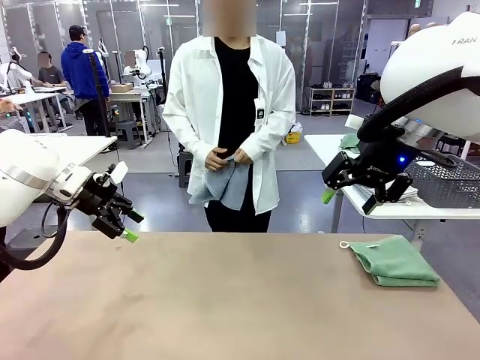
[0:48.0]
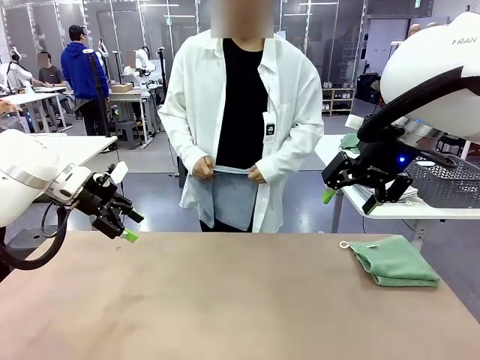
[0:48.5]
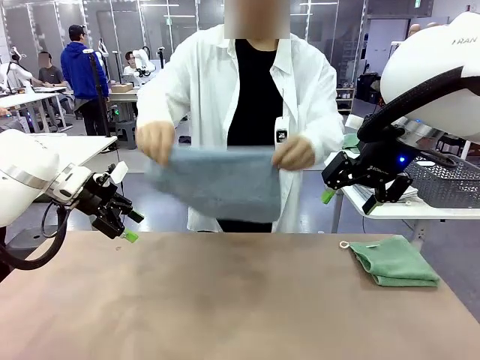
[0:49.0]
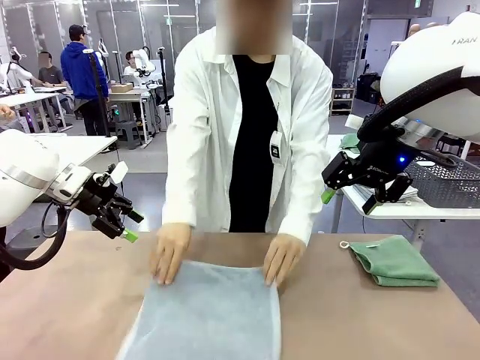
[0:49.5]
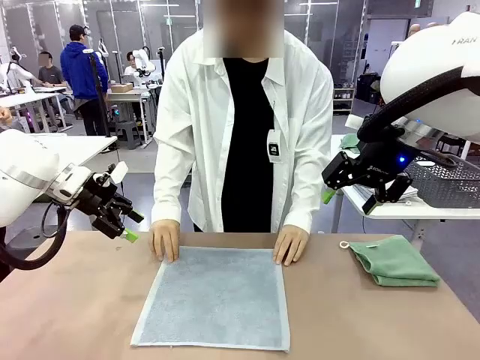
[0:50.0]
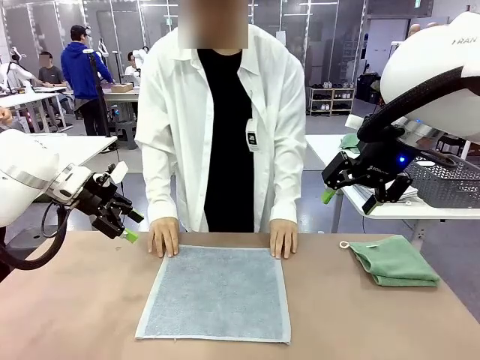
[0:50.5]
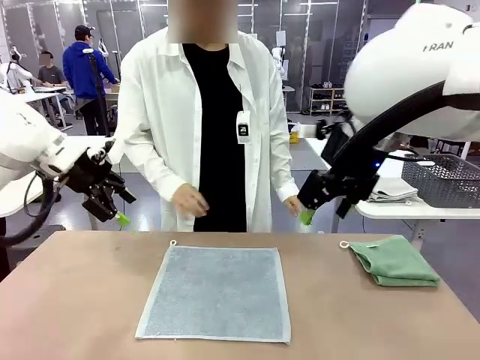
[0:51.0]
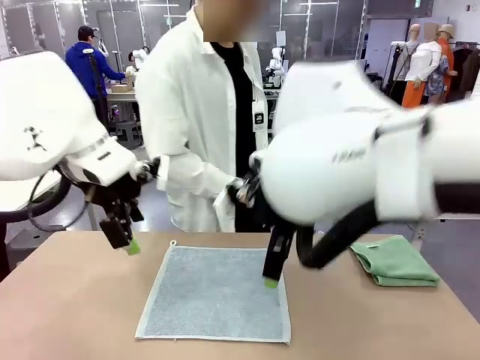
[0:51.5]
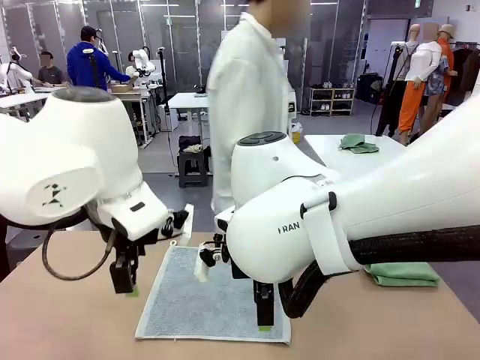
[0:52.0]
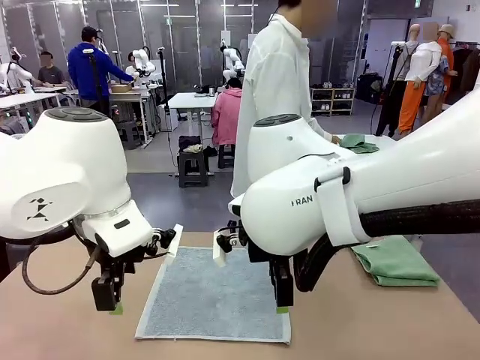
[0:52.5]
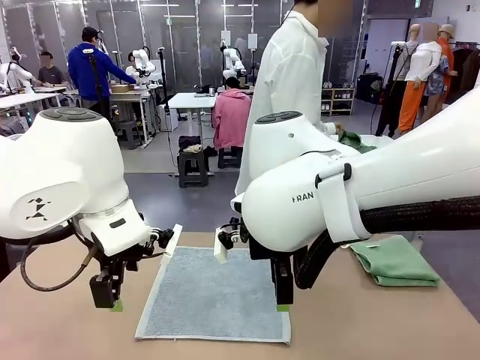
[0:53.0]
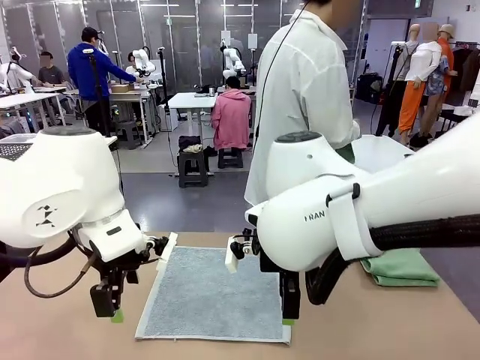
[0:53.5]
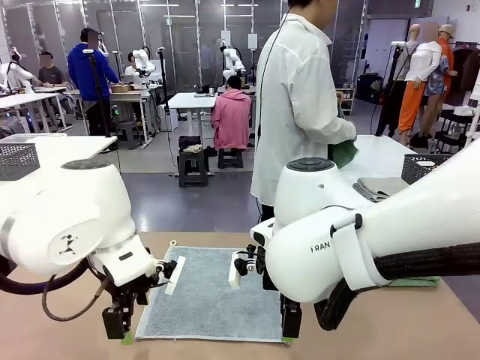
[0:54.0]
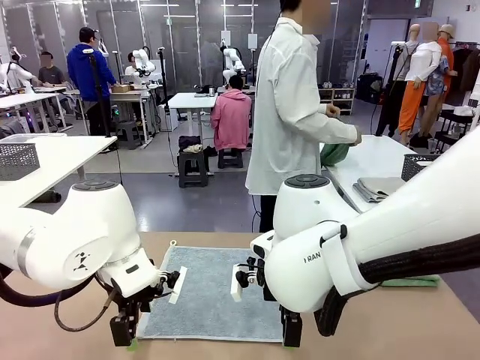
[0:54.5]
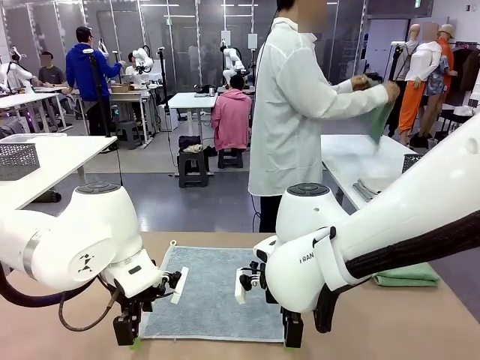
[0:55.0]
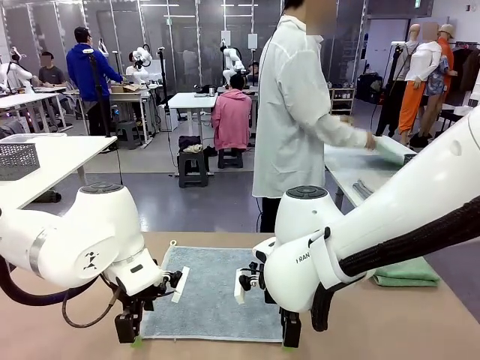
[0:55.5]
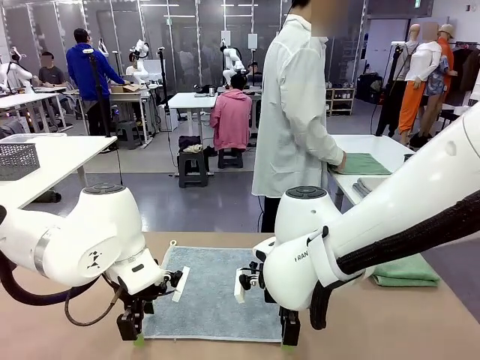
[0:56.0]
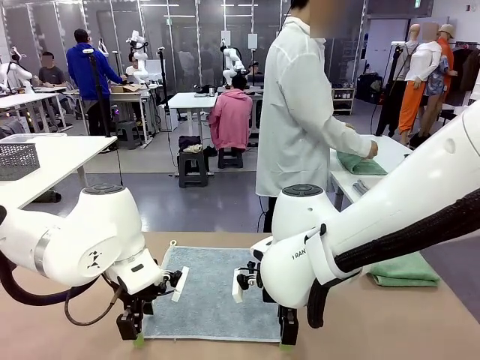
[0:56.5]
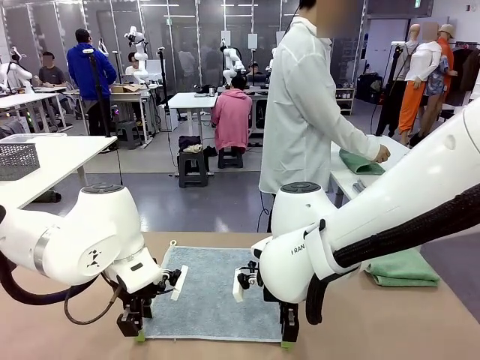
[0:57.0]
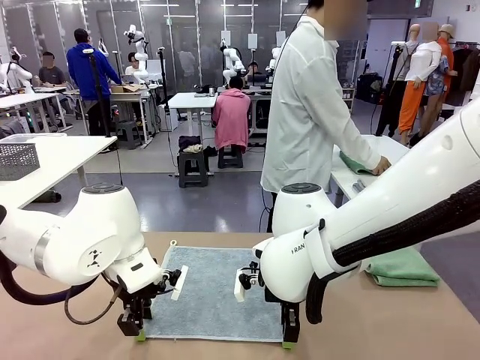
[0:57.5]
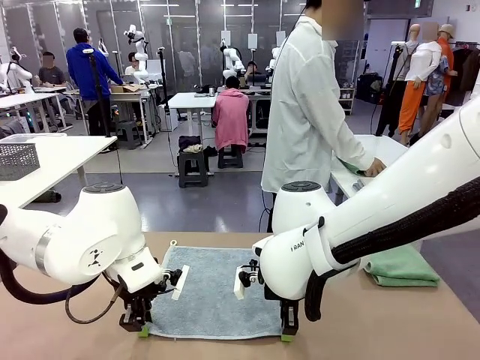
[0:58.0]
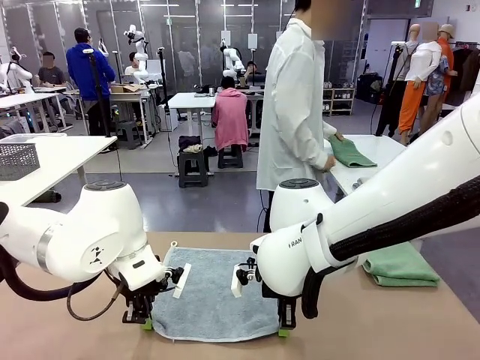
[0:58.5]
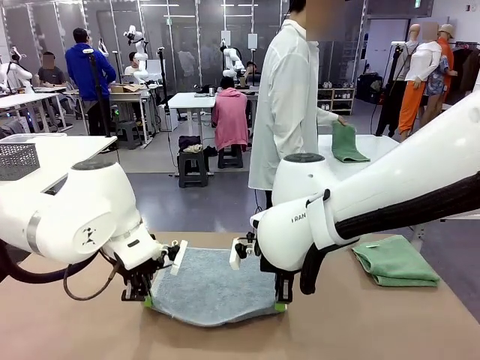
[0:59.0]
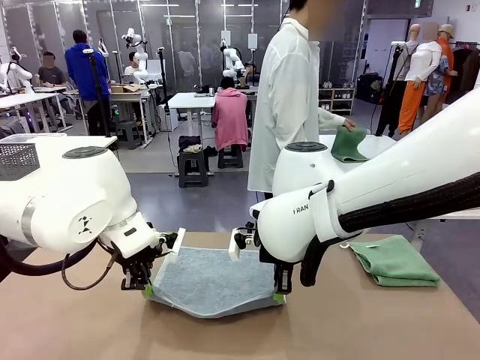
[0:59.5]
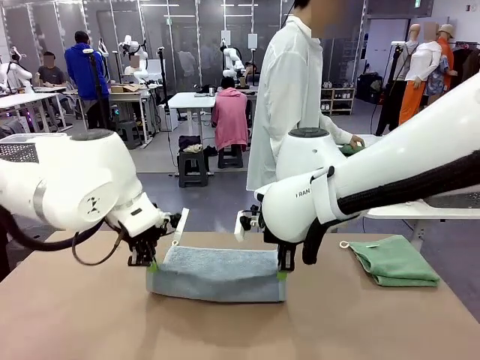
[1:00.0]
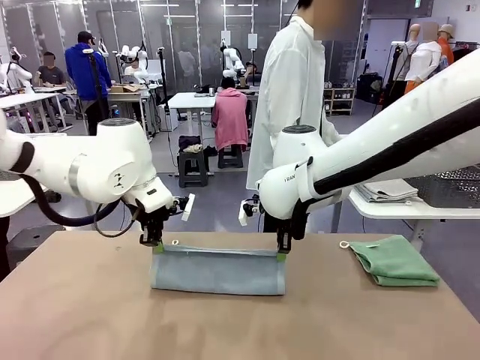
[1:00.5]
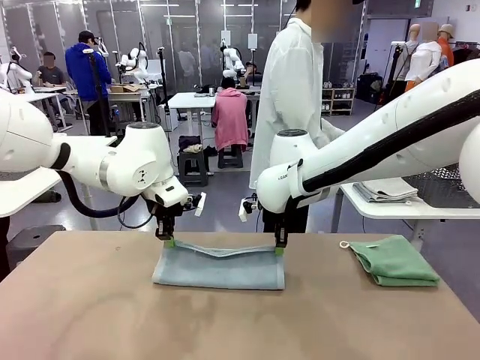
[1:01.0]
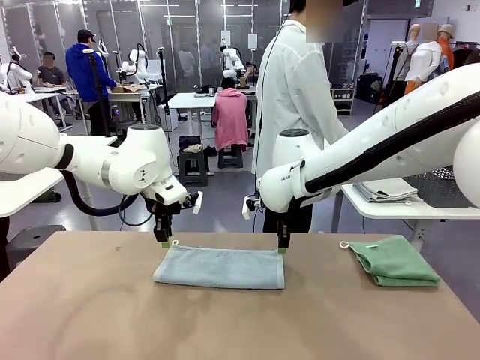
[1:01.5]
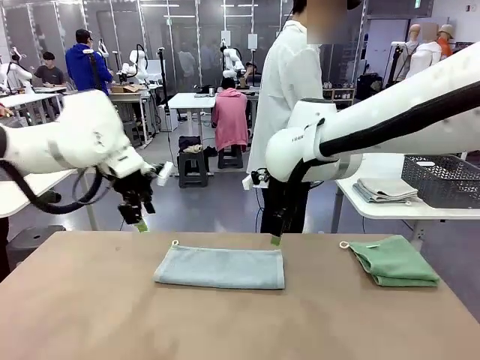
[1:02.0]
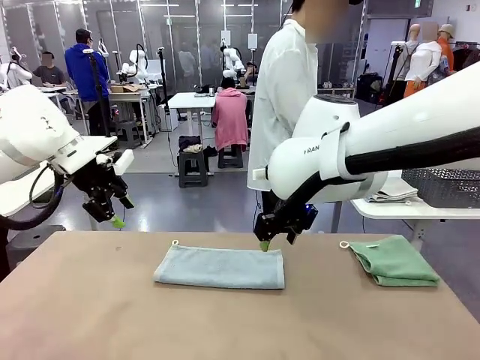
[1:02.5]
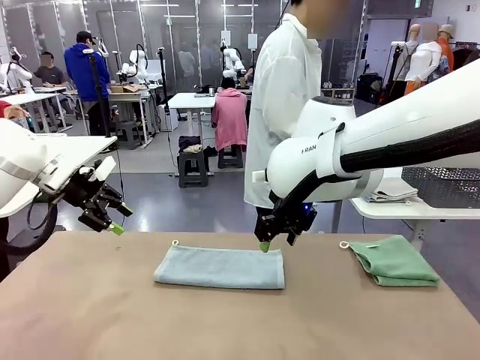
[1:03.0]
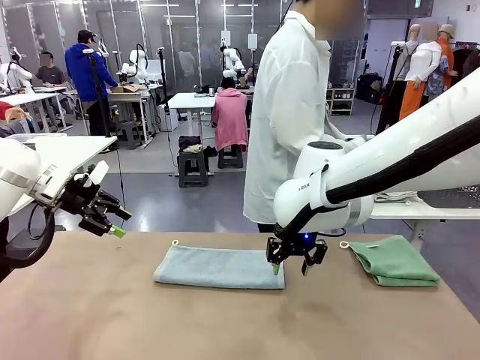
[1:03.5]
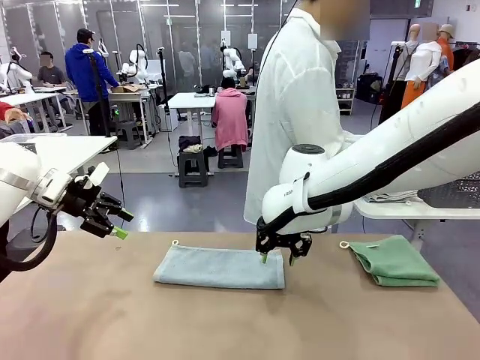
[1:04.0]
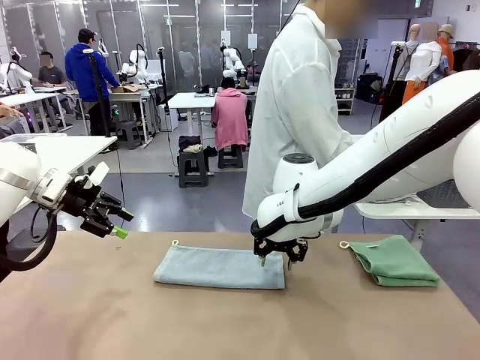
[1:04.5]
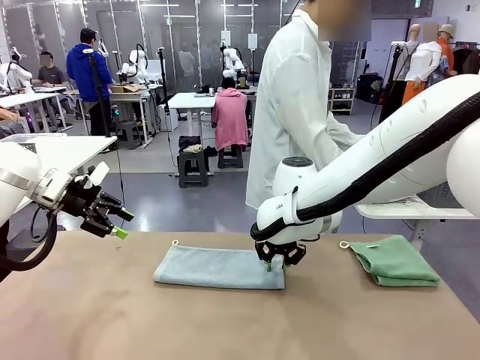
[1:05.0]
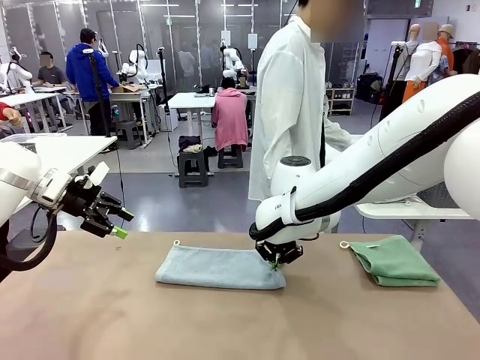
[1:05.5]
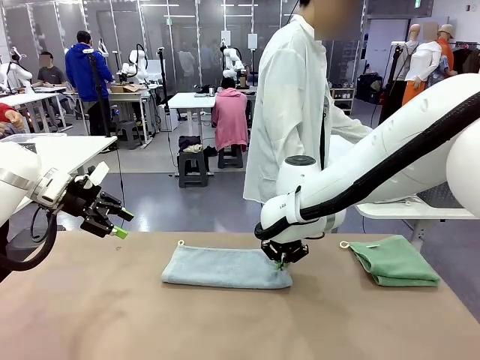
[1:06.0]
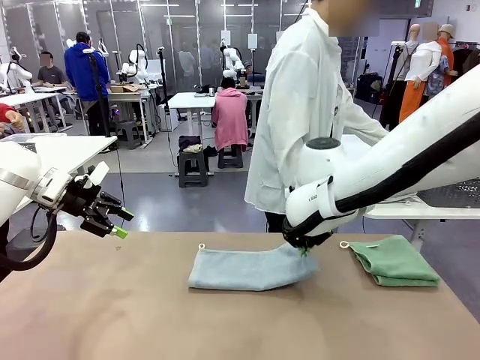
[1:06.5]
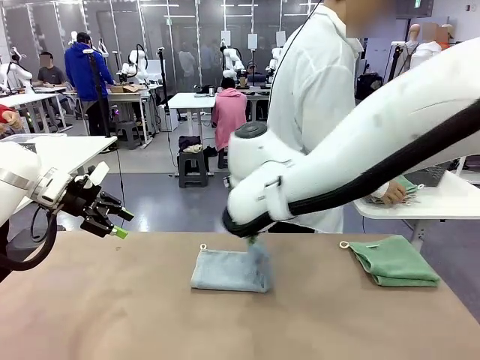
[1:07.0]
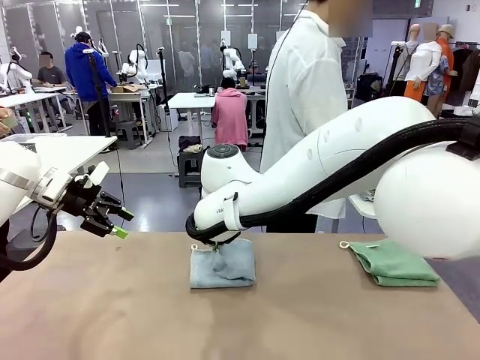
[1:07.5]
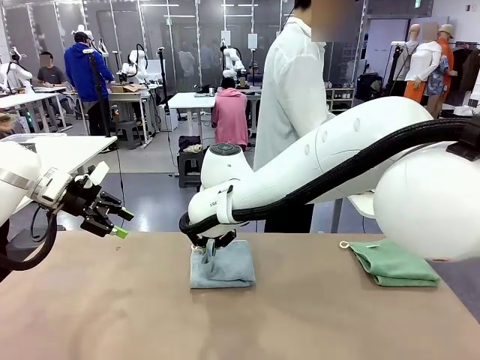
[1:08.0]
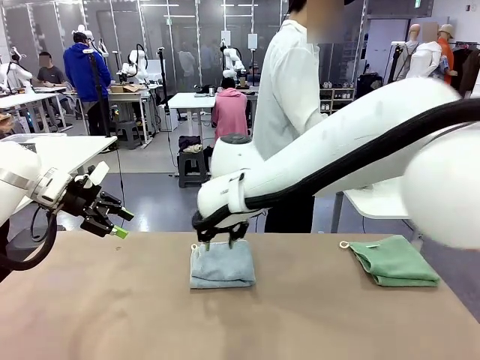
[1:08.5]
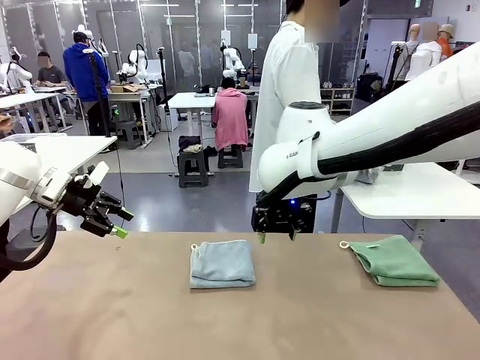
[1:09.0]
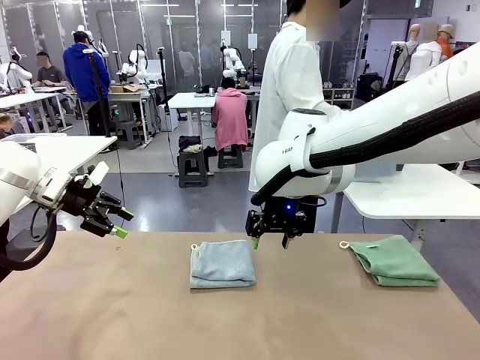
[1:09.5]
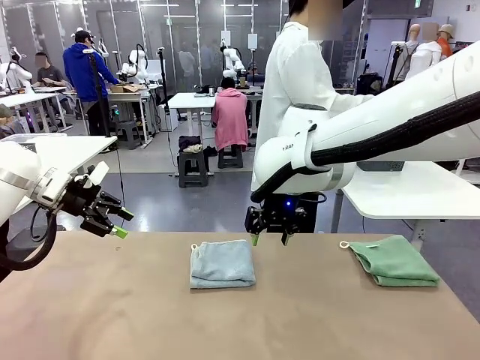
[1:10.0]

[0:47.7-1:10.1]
Task: Fold the towels and place them in the basket.
Robot: When a person lays out a Towel with hook on the table, fold it in half twice.
Person: Pick up one towel from the left side of the human table, fold it in half twice, and stack it on the right side of the table. Pick up the stack of towels from the right side of the human table, place it into the basket, and put the basket at the center of the table.

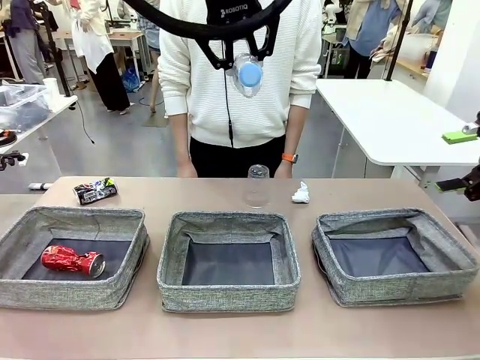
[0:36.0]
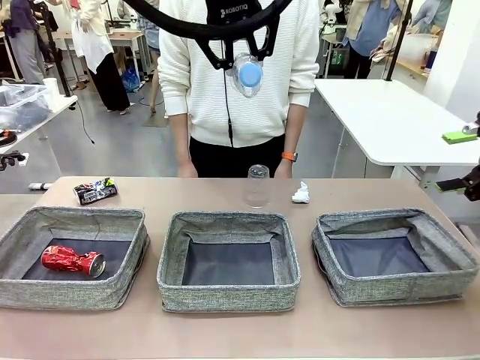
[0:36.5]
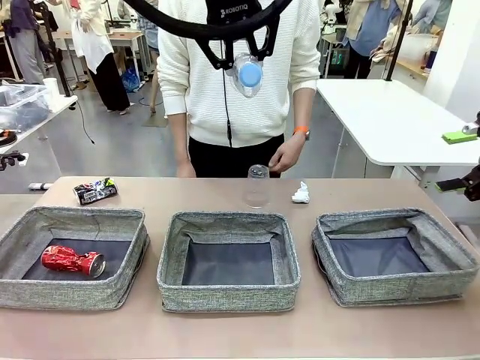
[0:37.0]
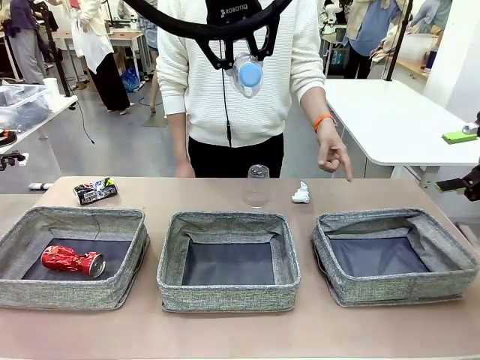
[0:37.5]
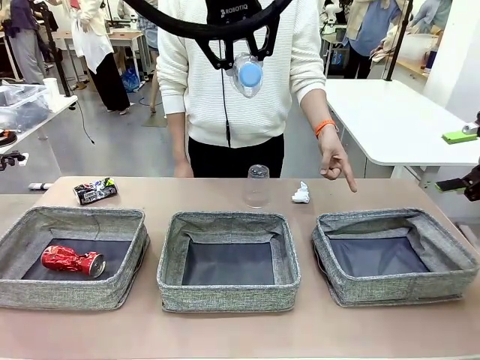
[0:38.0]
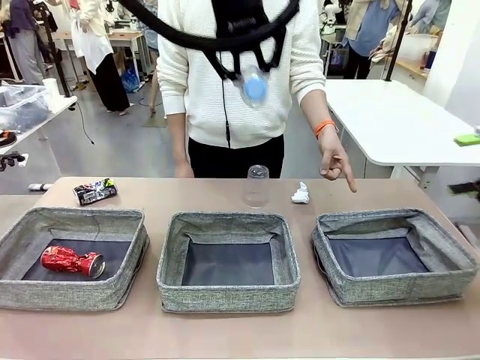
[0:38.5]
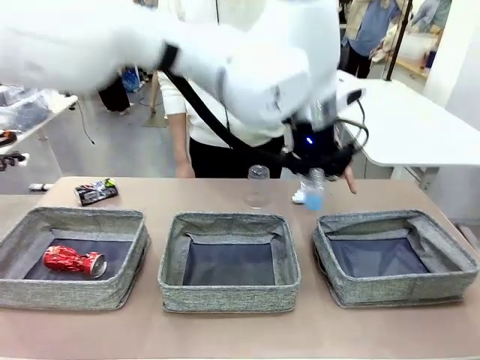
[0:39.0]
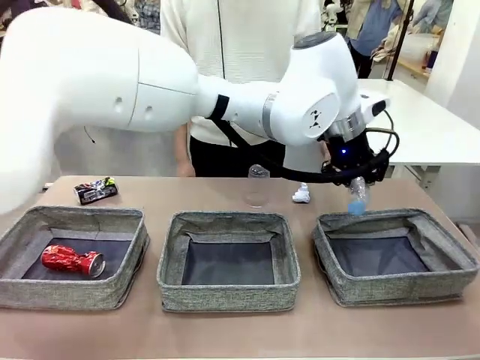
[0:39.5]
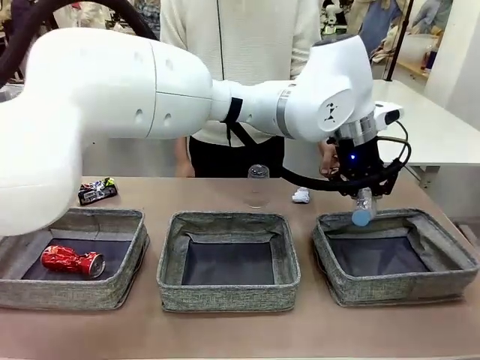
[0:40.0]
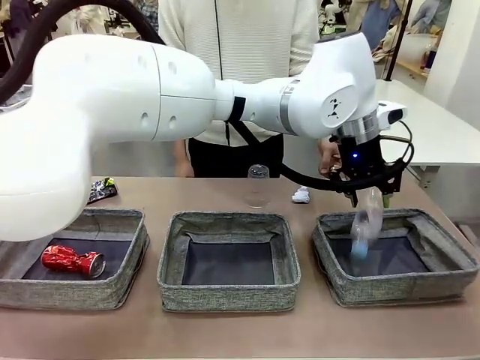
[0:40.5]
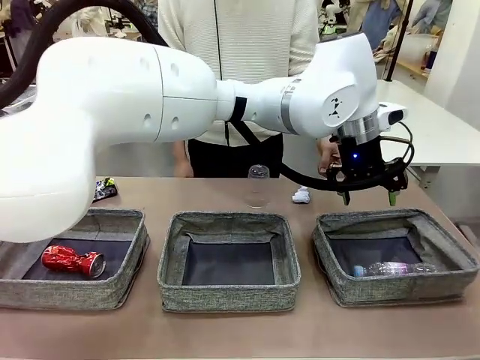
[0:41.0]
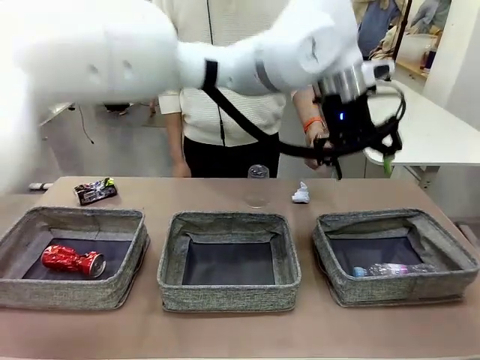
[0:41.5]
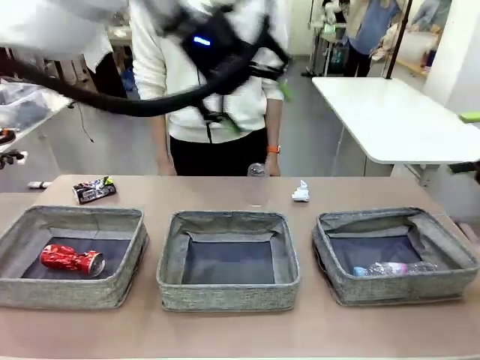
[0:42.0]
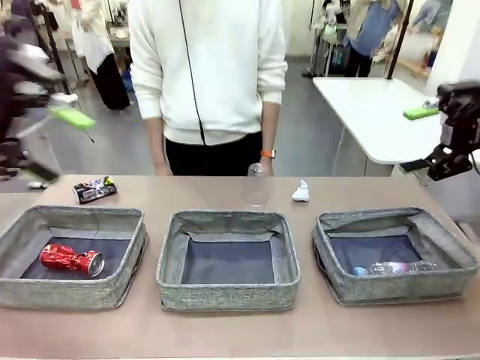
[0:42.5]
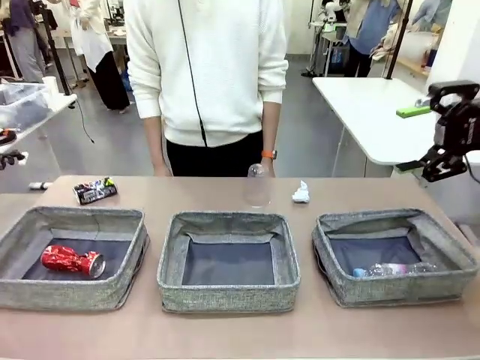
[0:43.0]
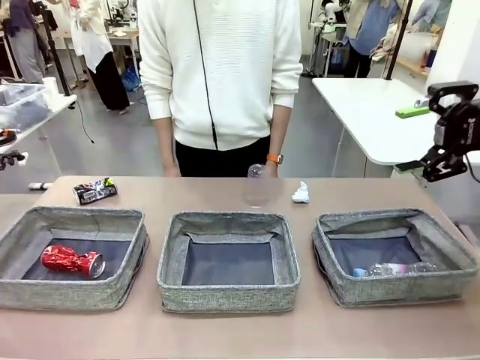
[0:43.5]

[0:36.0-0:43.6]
Task: Sort the waste into the appropriate baskets.
Robot: Place the picked waste into the Fabric basket indicated by the person.
Person: Instructs the robot to place the picked-up trash into the appropriate organizing basket.
